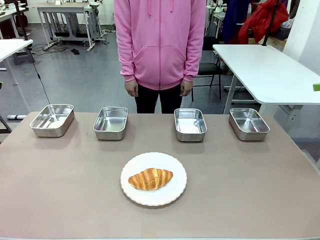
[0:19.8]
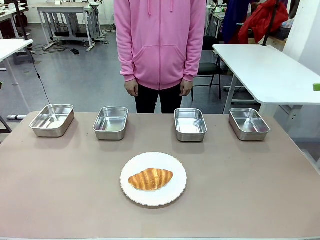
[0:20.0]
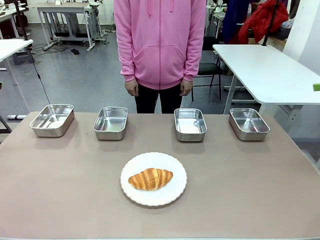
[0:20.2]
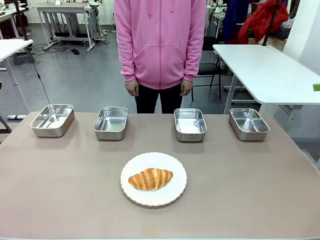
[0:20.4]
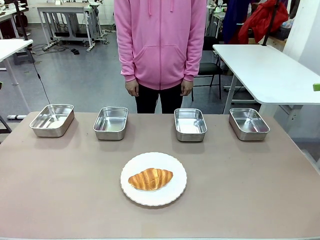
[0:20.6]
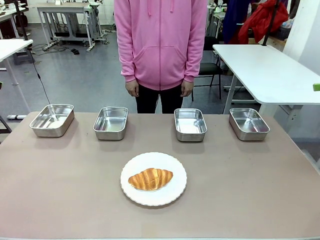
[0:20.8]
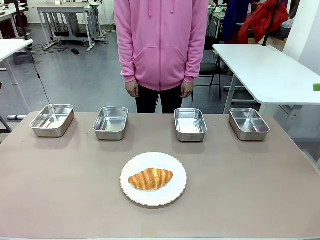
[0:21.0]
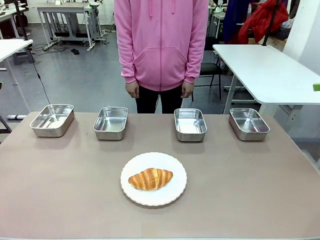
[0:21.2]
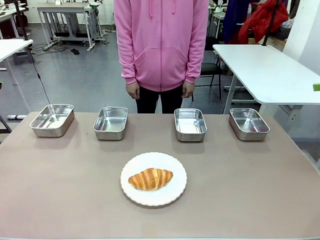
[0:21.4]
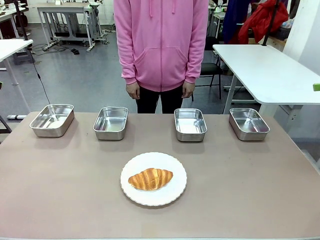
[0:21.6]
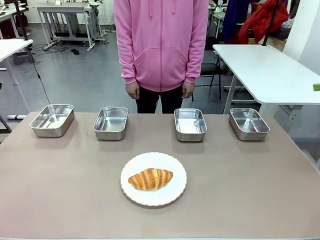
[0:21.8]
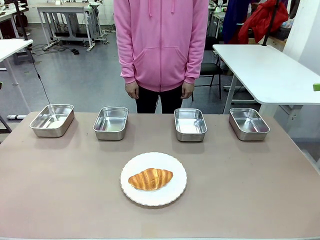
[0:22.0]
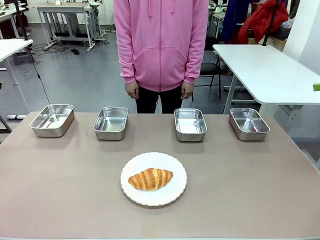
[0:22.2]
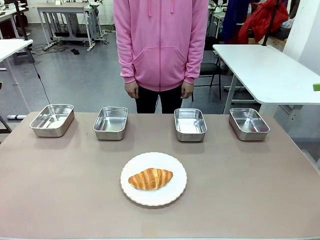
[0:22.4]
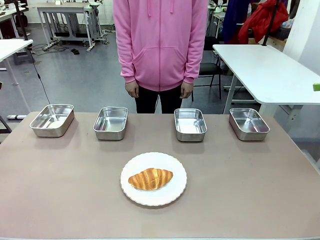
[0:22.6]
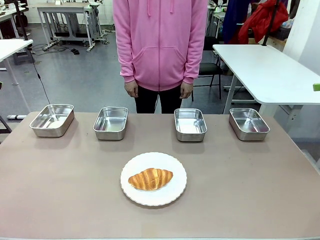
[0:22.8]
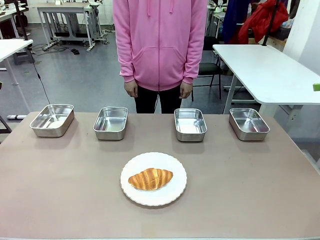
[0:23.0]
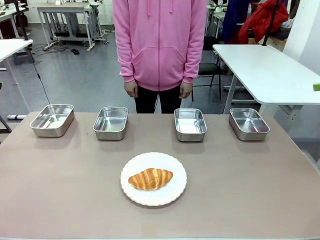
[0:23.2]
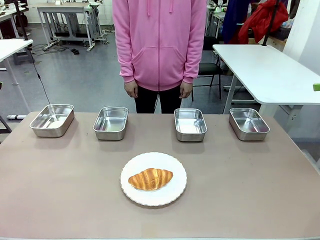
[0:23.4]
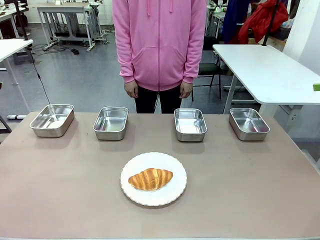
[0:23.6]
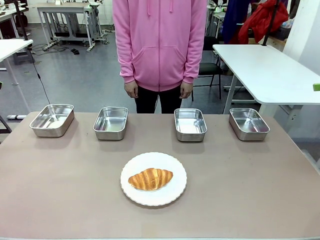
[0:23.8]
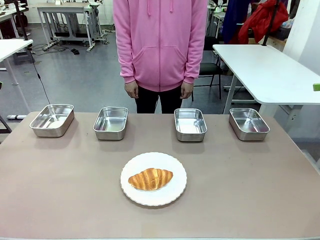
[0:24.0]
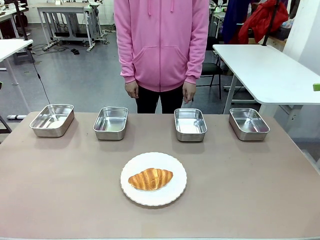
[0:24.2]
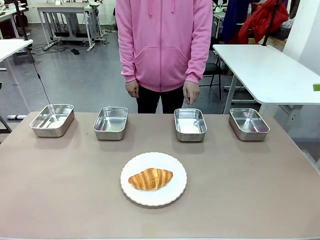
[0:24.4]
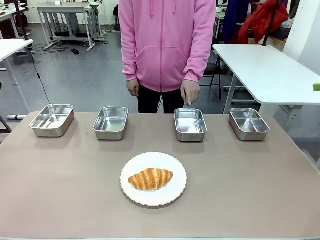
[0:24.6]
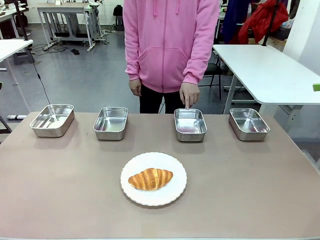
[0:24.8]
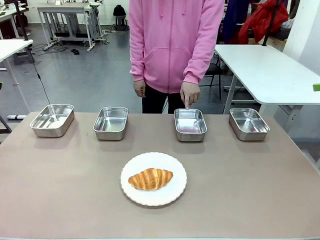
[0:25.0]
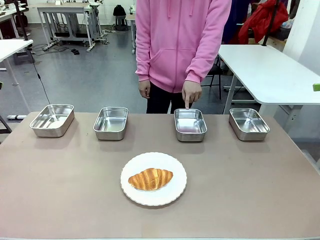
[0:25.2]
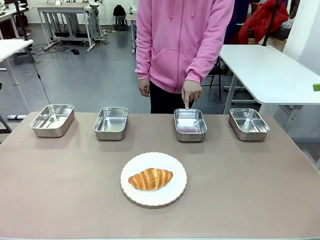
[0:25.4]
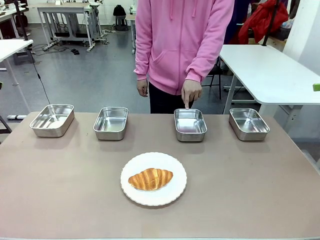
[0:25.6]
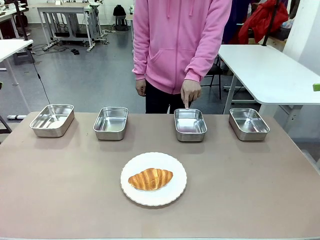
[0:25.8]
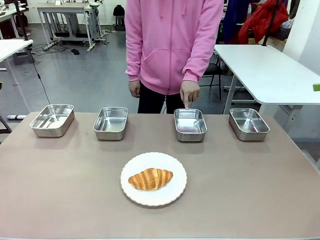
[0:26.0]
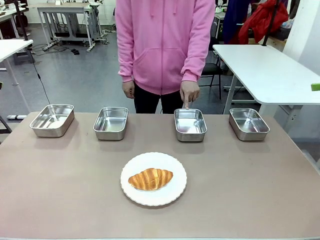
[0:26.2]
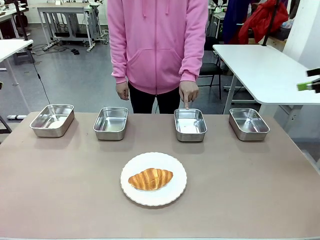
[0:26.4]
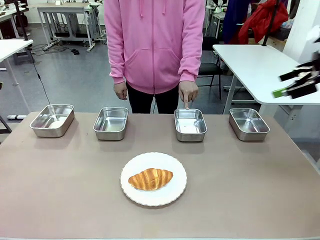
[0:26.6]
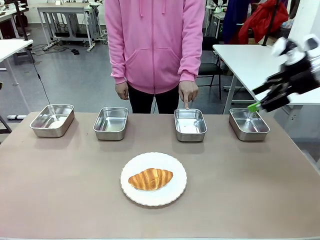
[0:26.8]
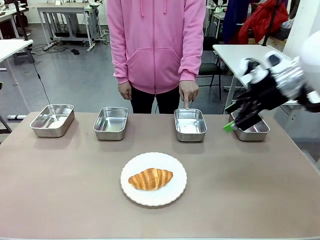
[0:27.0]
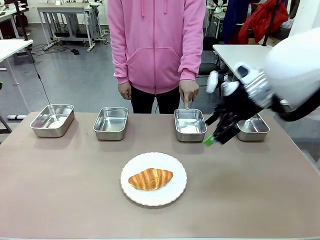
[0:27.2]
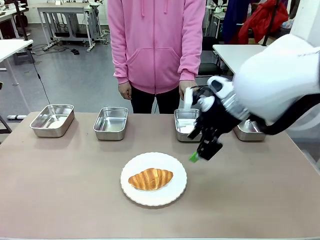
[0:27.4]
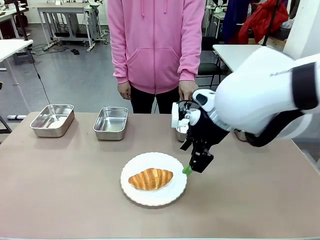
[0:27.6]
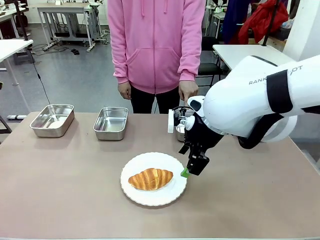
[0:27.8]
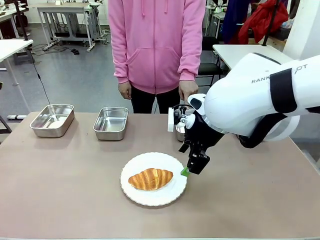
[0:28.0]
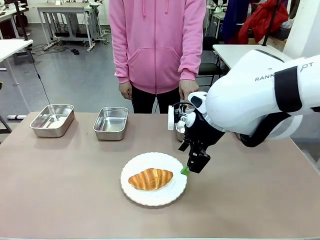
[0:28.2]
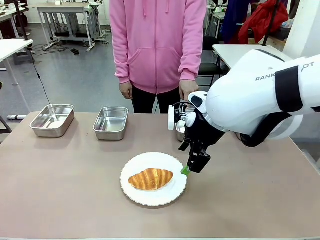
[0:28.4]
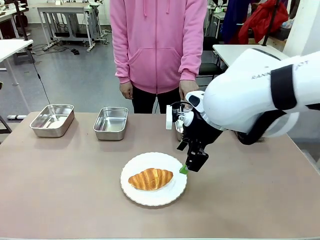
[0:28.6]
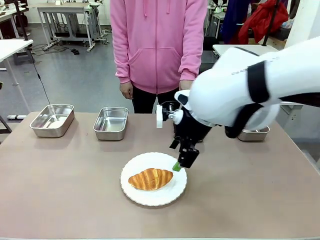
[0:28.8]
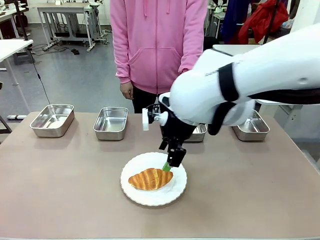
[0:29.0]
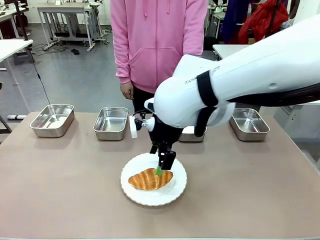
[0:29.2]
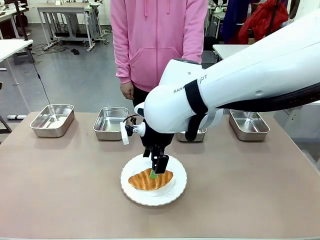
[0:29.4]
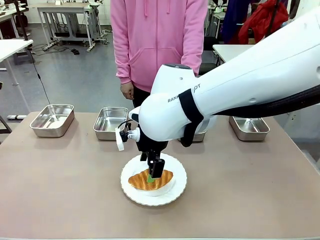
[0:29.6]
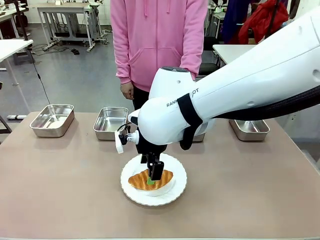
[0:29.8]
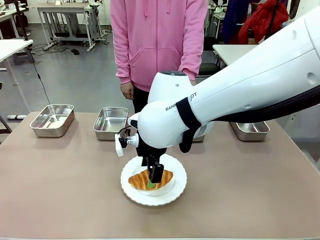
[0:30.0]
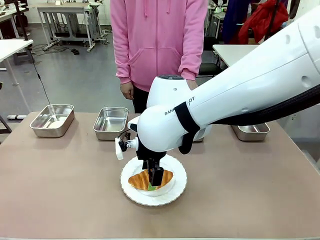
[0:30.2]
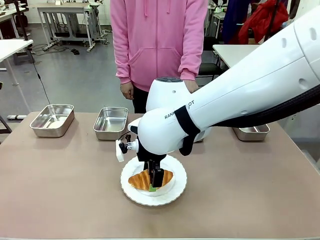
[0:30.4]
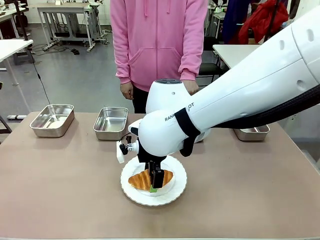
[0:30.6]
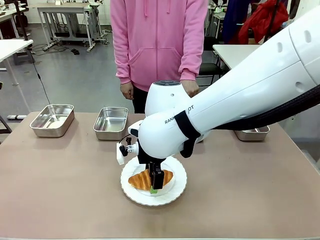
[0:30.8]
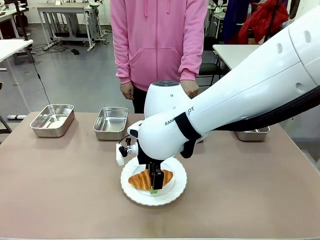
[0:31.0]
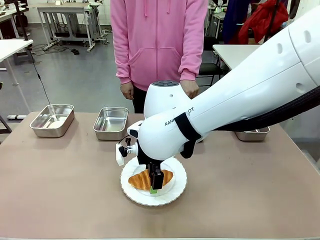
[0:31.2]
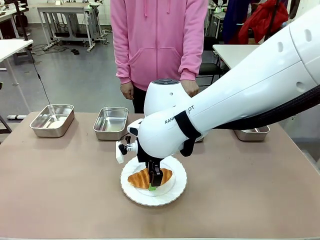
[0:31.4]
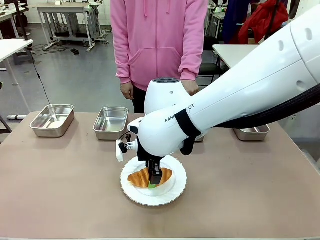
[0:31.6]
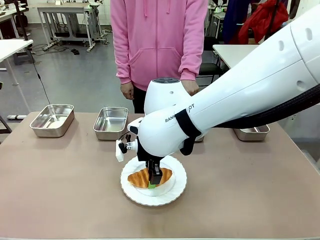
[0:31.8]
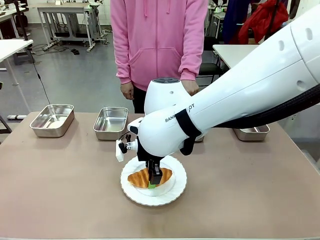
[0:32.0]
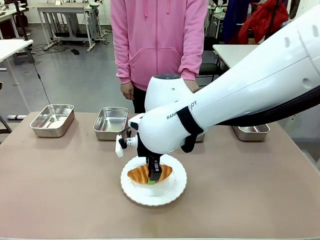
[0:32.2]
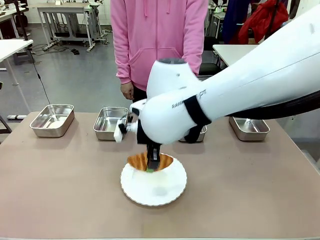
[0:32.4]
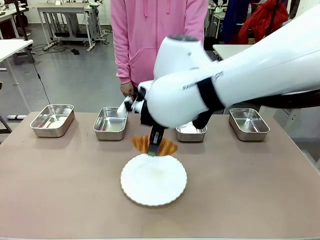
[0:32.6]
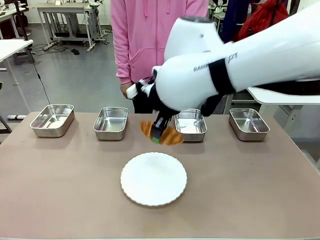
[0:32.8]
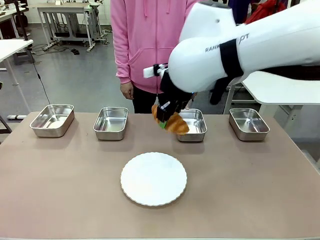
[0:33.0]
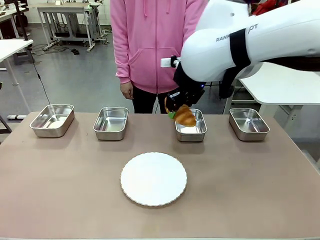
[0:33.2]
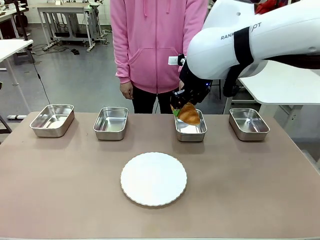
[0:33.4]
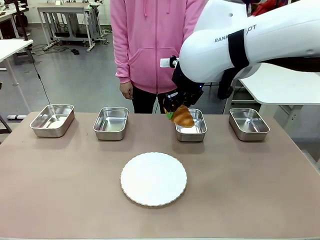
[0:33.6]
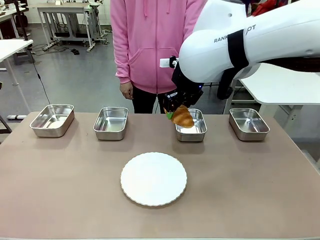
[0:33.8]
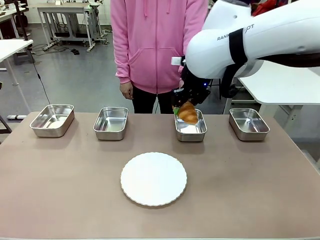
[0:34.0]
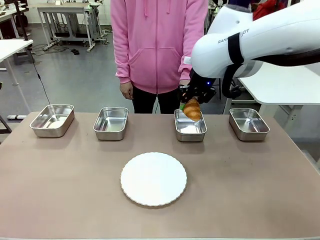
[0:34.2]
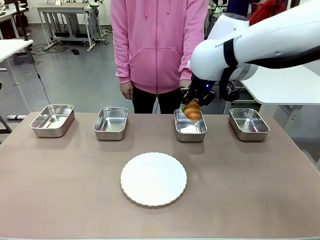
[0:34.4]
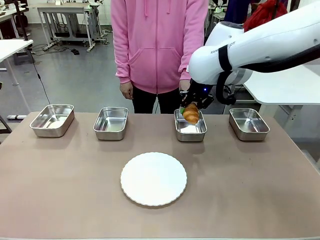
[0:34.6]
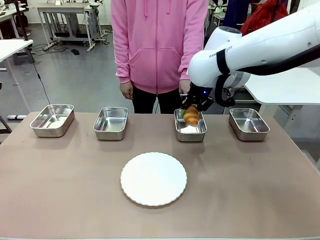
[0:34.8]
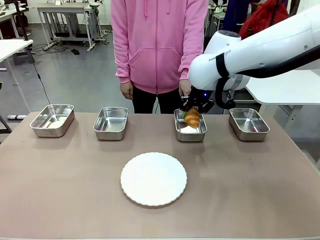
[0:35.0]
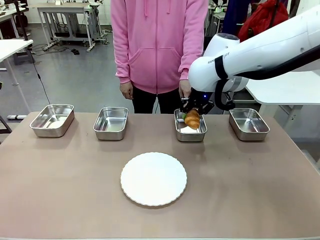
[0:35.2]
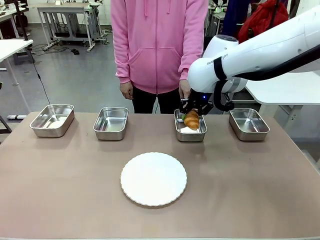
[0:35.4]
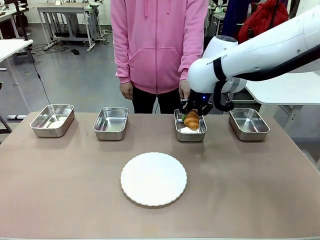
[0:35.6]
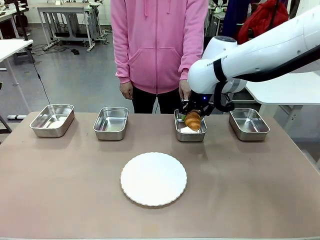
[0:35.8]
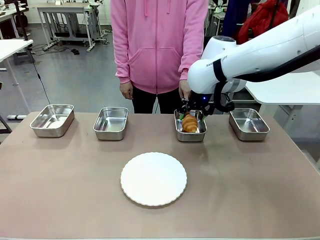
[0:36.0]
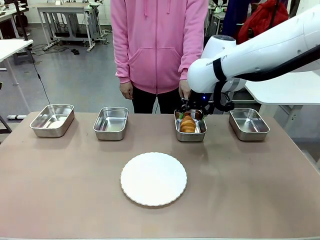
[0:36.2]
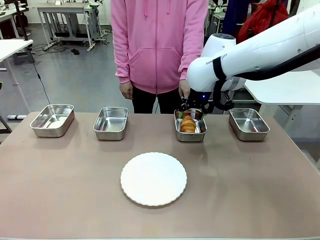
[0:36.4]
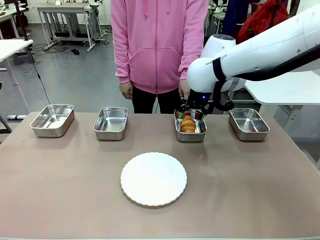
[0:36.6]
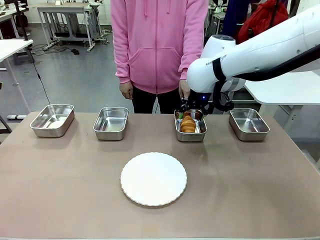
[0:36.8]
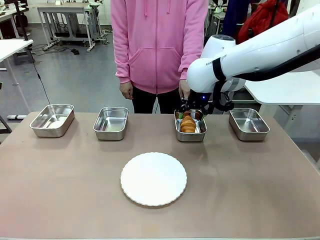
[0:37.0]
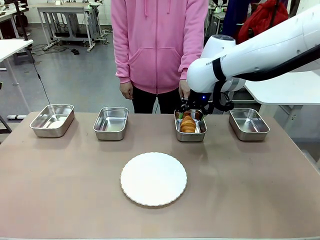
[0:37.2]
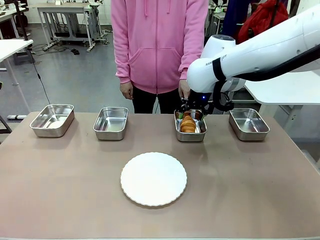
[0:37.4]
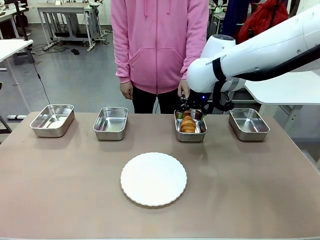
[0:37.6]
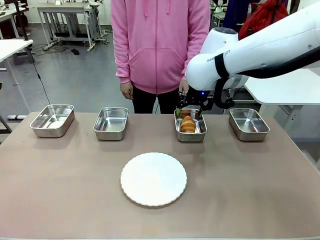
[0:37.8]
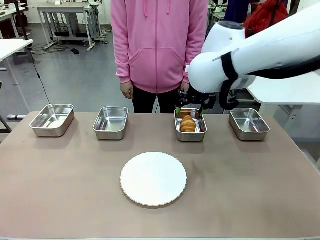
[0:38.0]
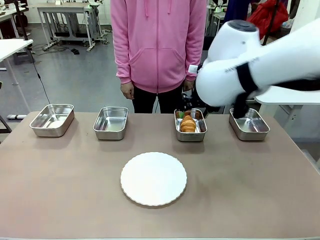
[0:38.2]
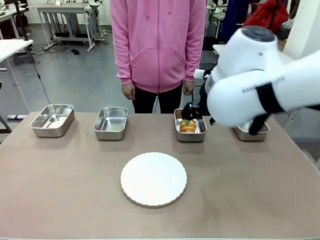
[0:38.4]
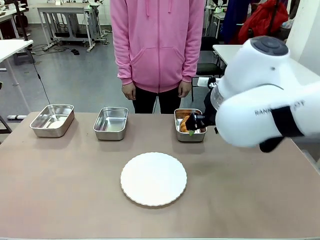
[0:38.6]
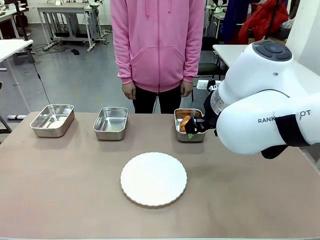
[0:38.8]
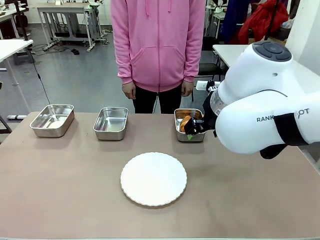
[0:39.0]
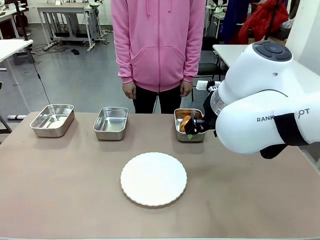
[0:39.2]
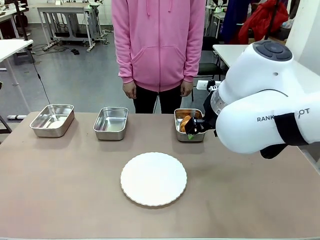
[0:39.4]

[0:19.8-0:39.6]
Task: Place the bread in the container.
Robot: Place the Butter Roll into the Airtight Container indicated by the human.
